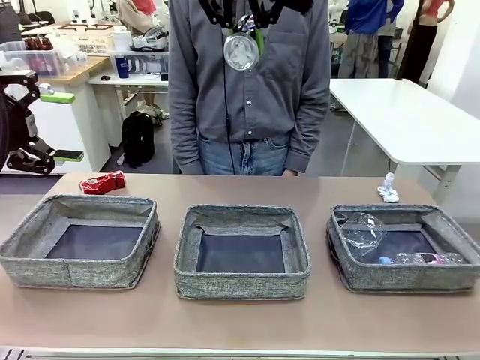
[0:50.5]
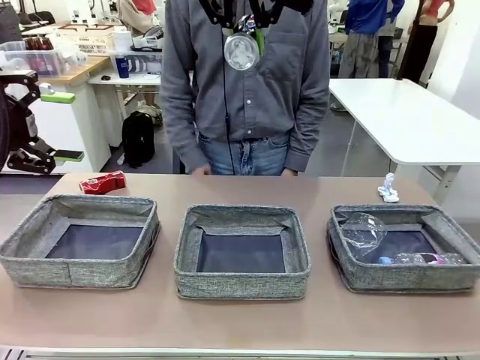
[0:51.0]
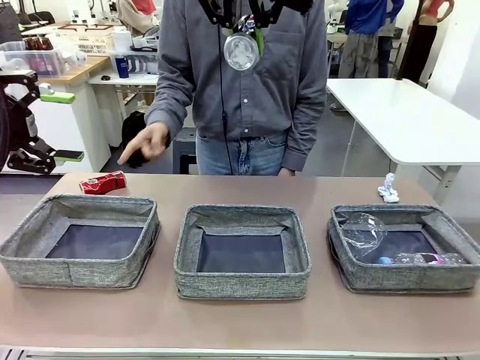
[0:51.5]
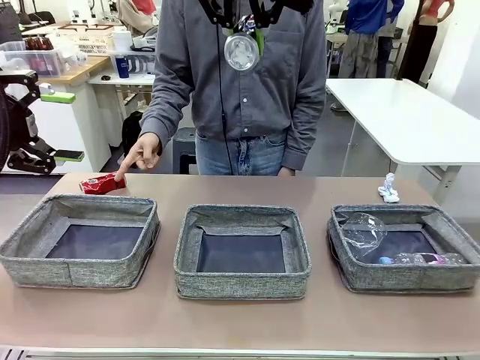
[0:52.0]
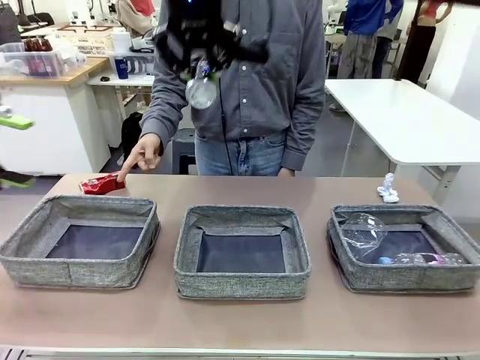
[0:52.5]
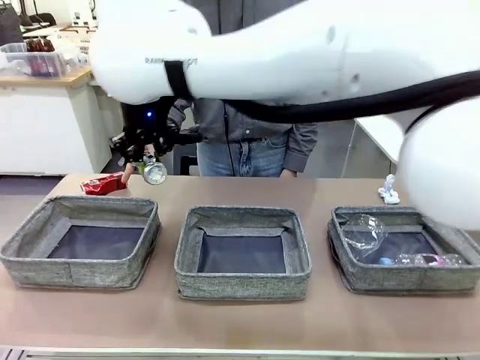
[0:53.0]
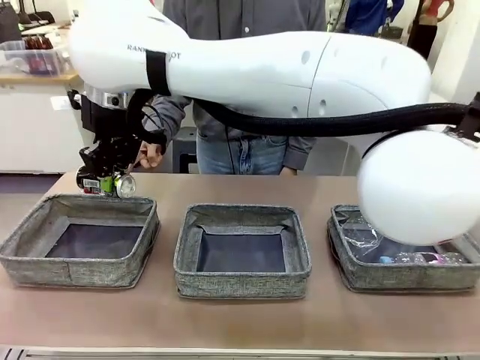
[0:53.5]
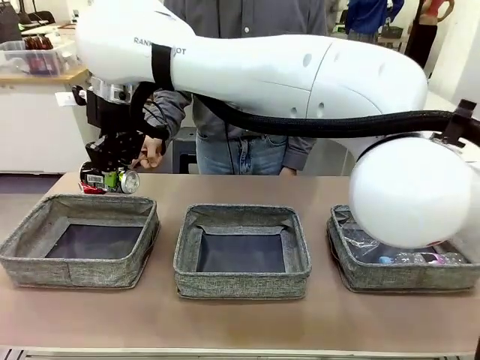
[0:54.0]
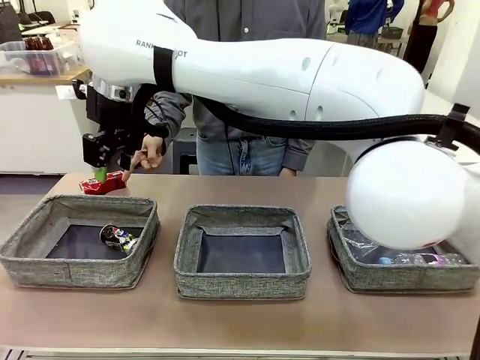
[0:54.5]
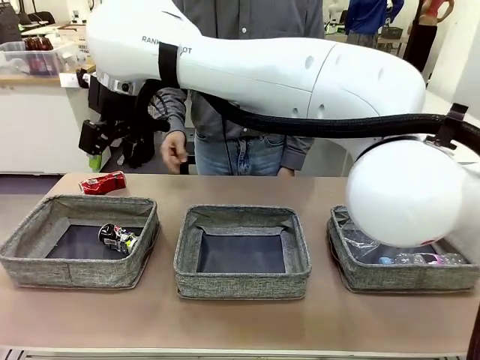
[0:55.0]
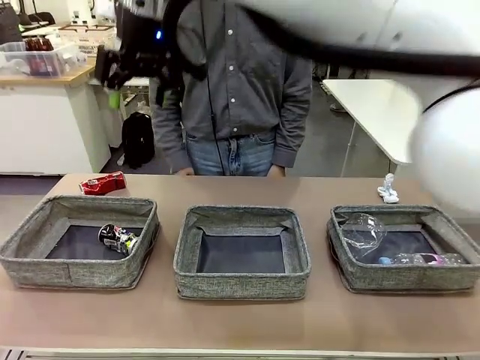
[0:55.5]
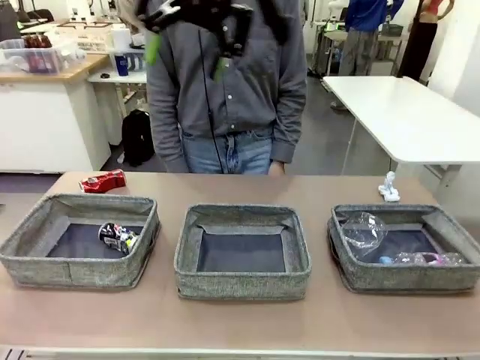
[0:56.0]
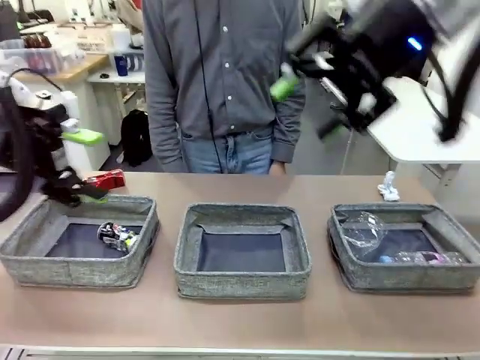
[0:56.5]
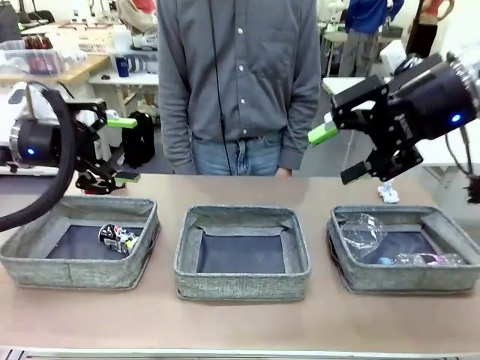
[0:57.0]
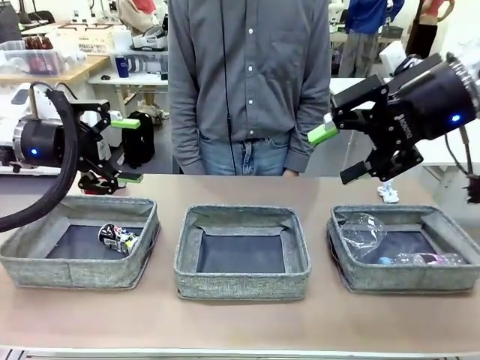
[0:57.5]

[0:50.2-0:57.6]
Task: Sort the waste into the appropriate baskets.
Robot: Place the picked waste into the Fabric basket indicated by the person.
Person: Instructs the robot to place the picked-up trash into the appropriate organizing basket.

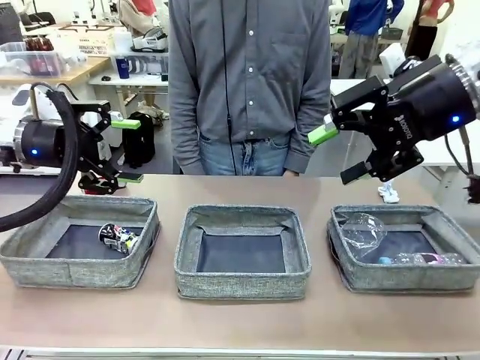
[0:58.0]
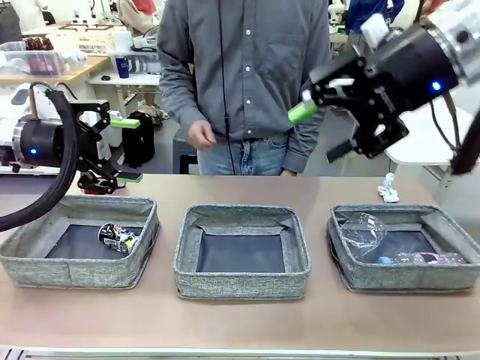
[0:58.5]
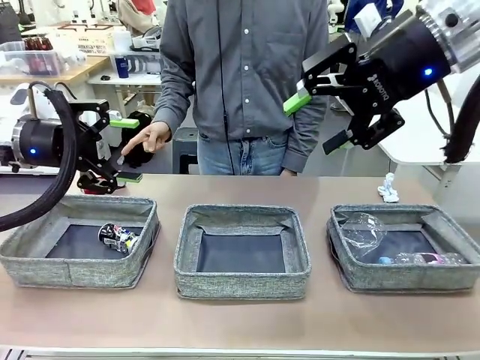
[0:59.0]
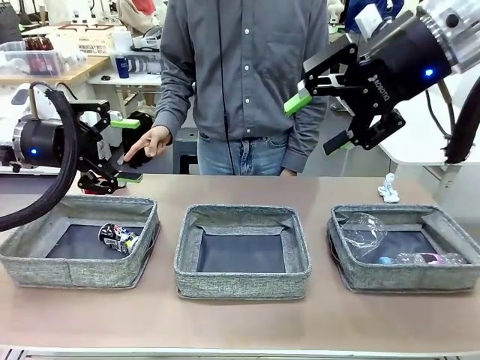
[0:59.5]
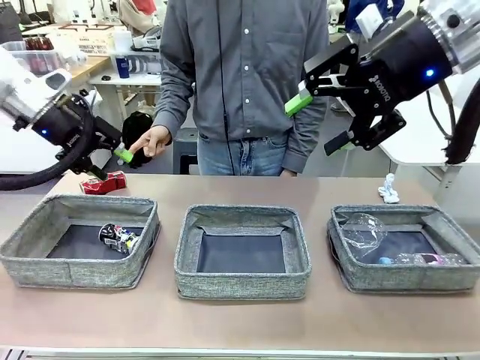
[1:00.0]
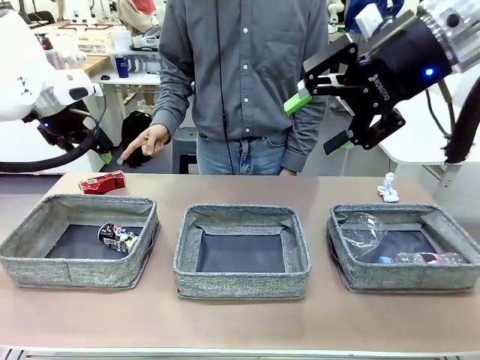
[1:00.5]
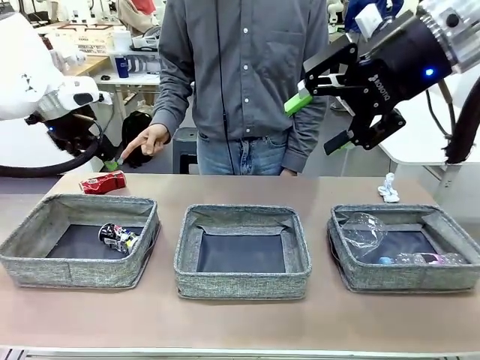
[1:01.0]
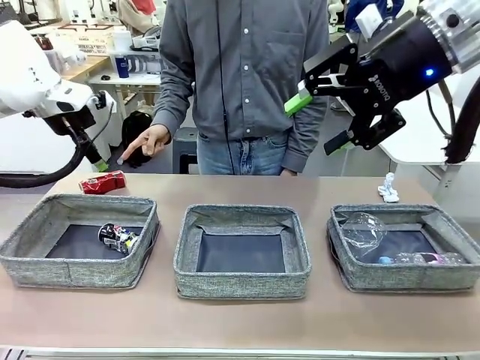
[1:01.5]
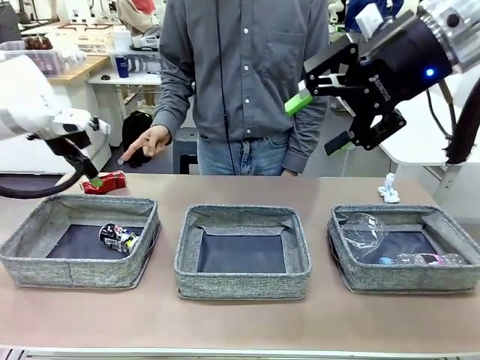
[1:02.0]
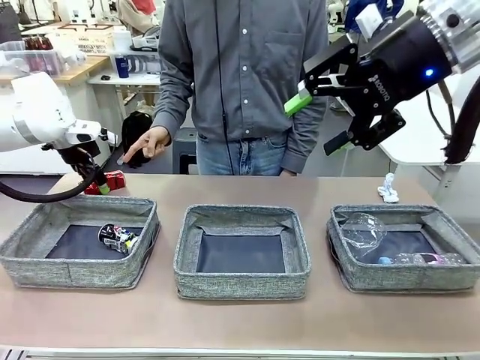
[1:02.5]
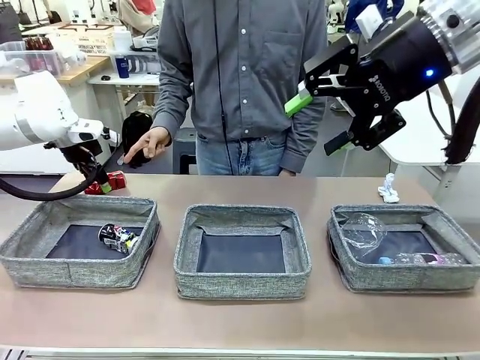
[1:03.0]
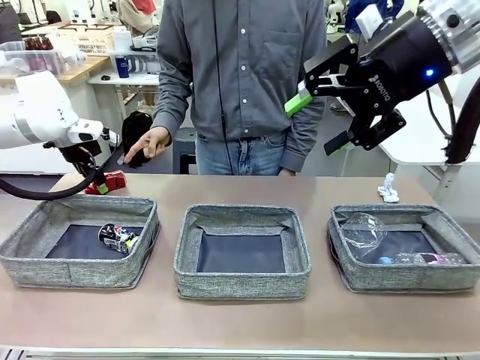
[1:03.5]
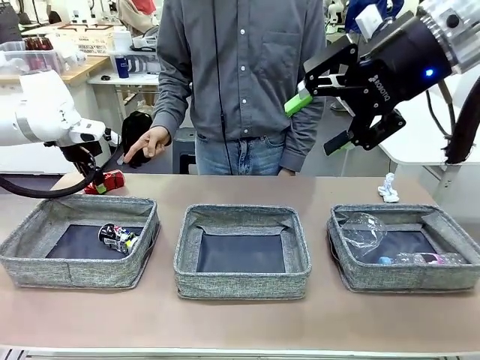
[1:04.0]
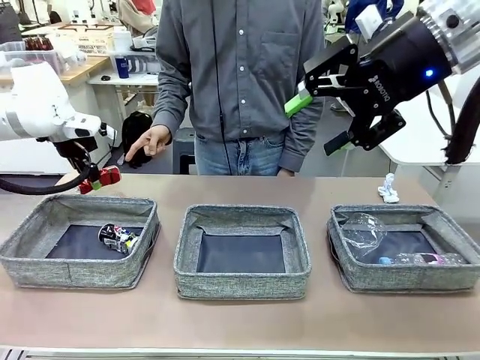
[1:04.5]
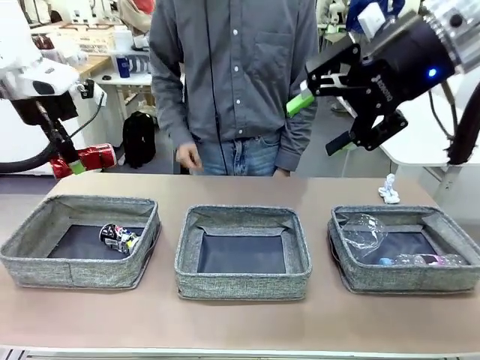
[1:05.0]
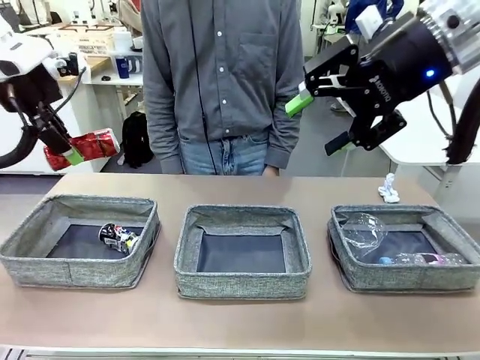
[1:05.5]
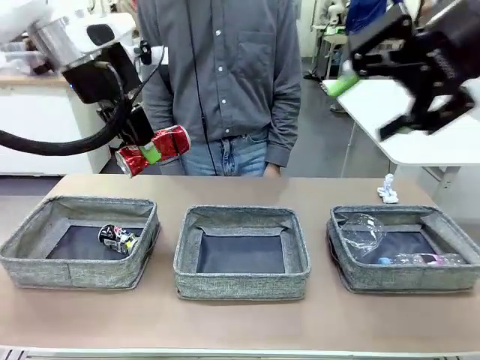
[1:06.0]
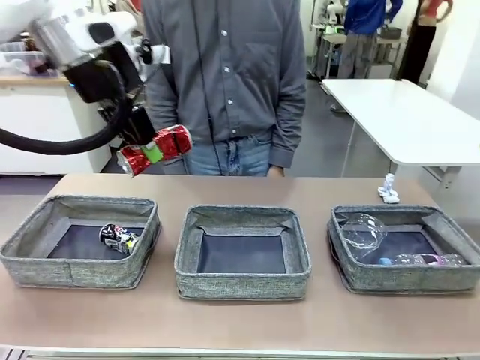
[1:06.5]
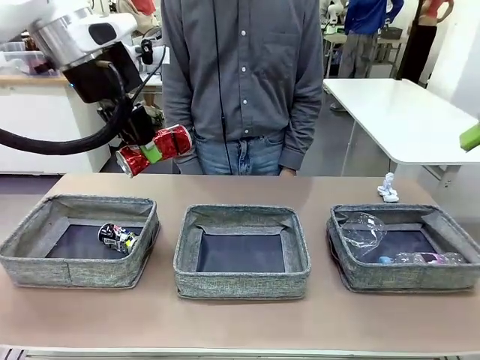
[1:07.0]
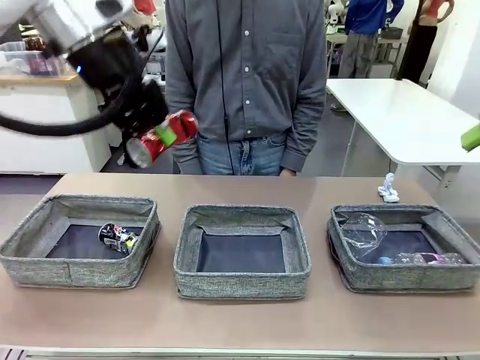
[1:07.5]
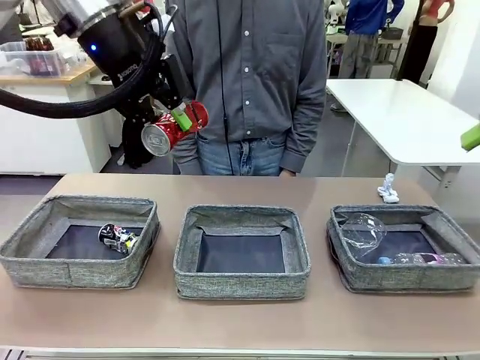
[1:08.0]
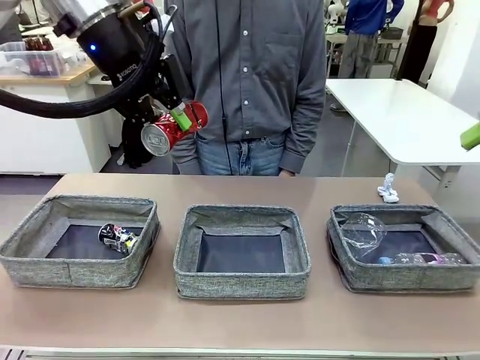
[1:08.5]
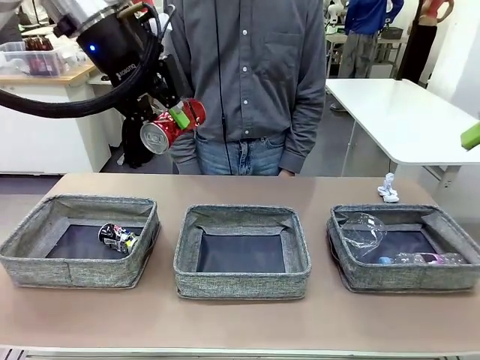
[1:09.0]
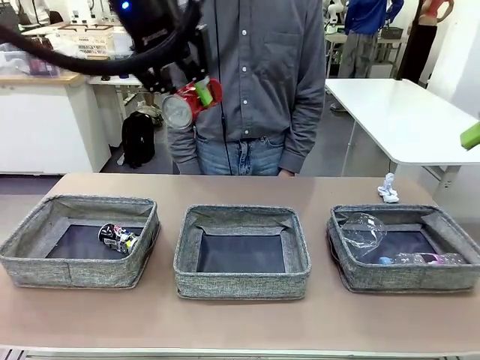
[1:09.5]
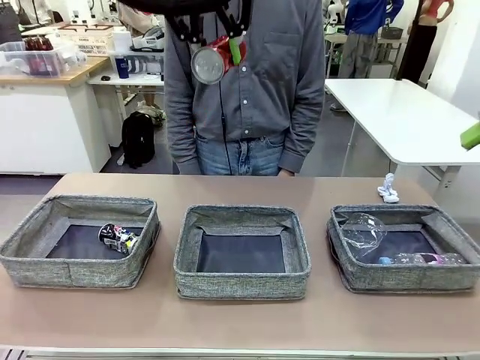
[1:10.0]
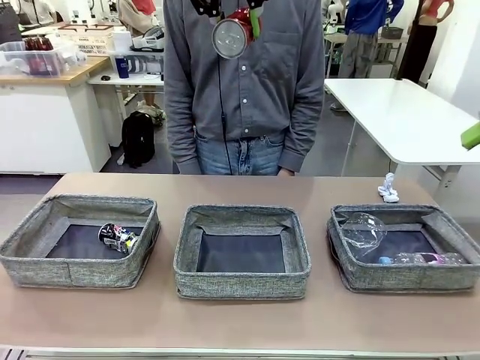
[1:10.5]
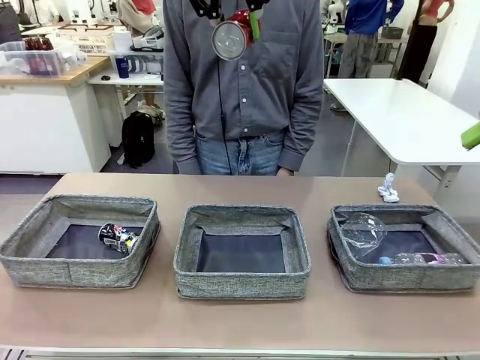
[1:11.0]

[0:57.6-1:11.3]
Robot: Pick up the waste item pointed out by the person.
Person: Points to one piece of trash on the table.

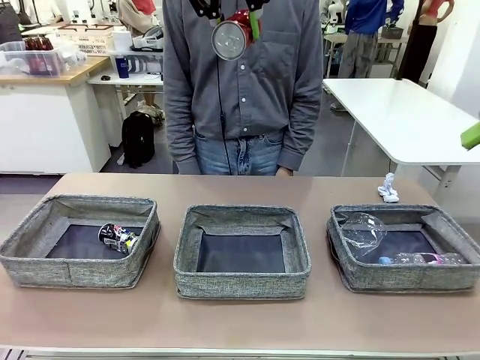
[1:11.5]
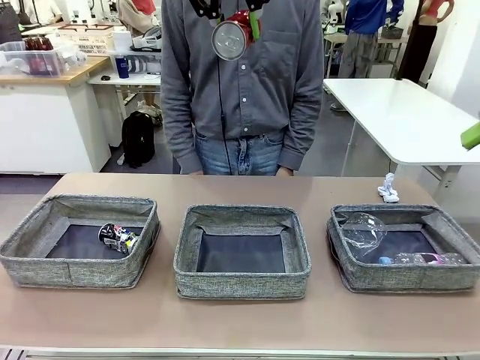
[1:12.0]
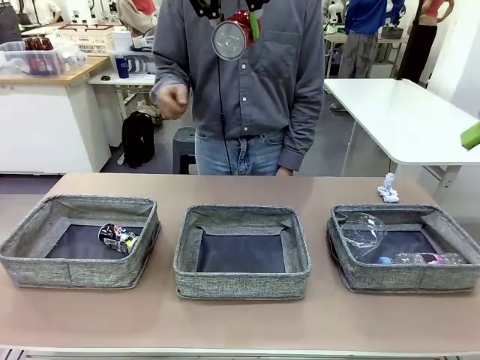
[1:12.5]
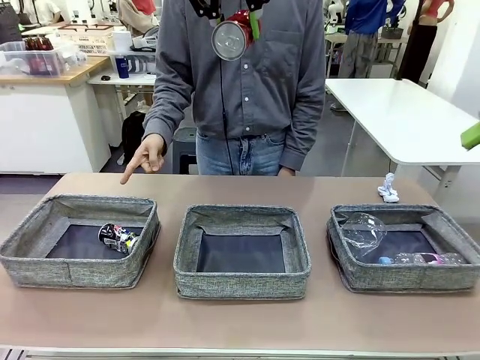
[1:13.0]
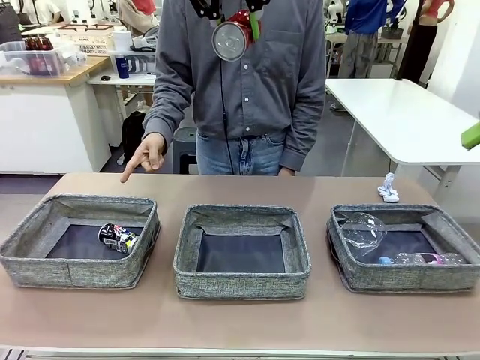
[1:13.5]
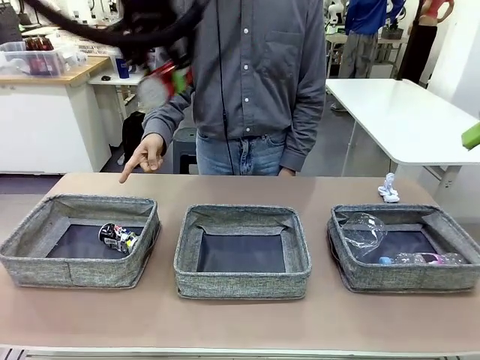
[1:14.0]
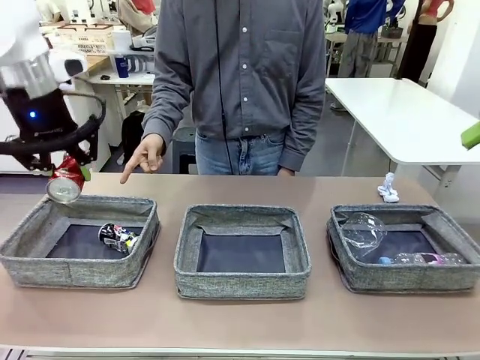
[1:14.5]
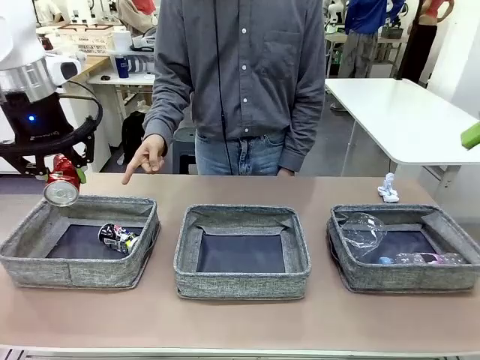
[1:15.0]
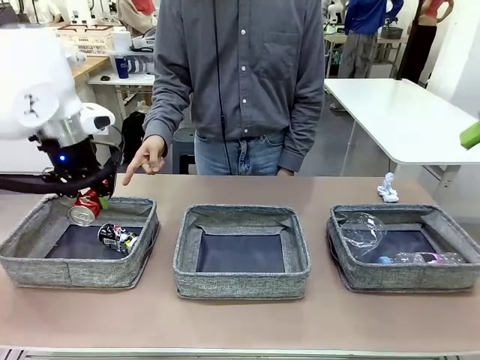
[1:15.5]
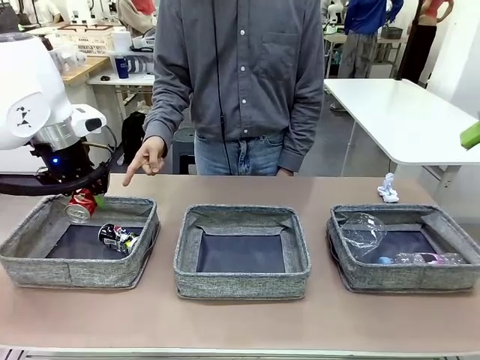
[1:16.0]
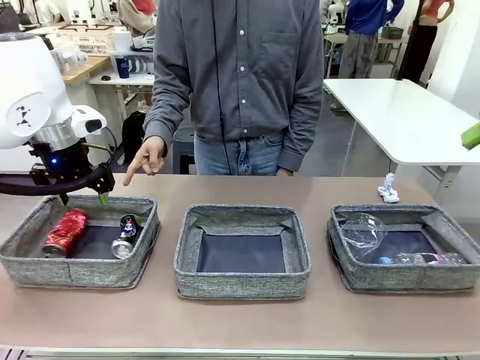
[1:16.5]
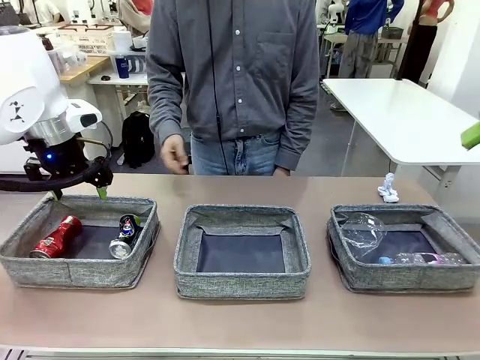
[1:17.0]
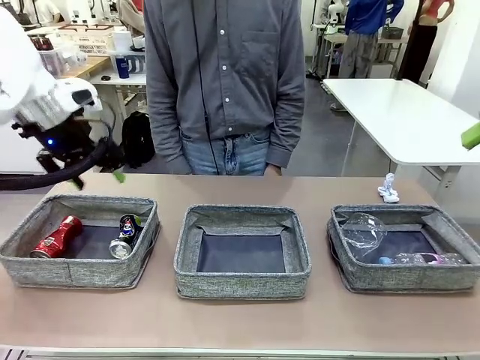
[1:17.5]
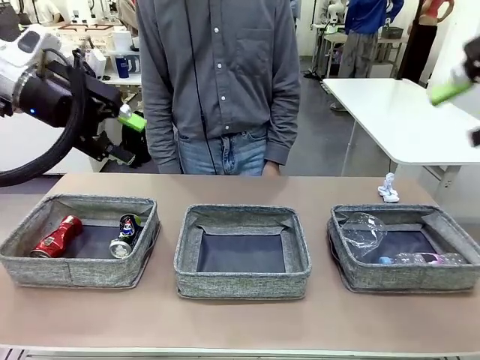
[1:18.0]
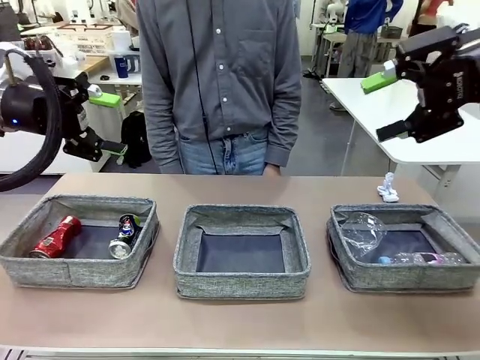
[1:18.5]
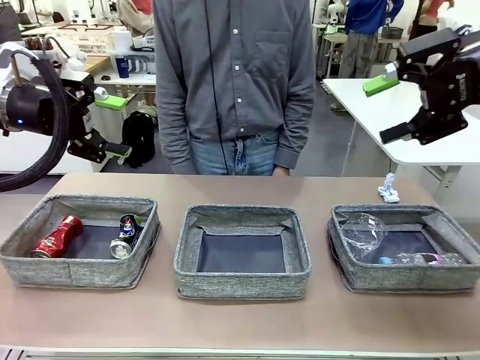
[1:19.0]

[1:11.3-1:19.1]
Robot: Place the picked waste into the Fabric basket indicated by the person.
Person: Instructs the robot to place the picked-up trash into the appropriate organizing basket.
